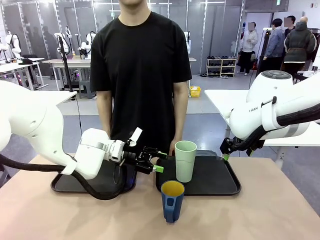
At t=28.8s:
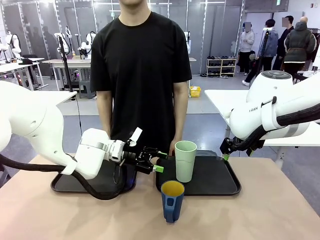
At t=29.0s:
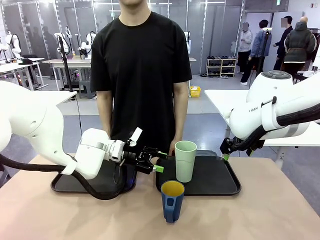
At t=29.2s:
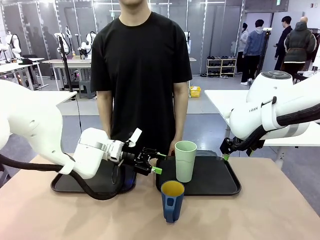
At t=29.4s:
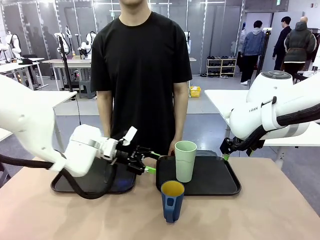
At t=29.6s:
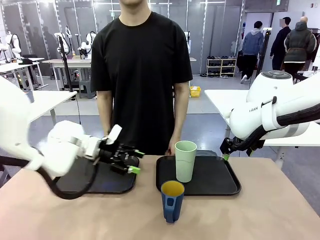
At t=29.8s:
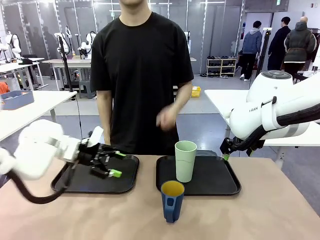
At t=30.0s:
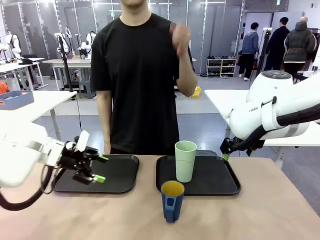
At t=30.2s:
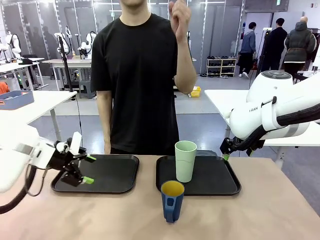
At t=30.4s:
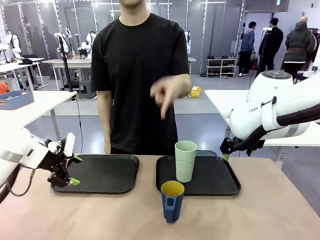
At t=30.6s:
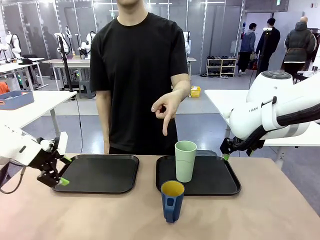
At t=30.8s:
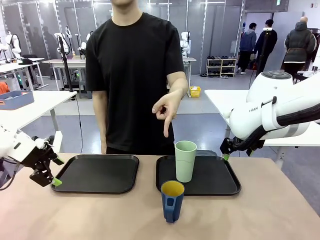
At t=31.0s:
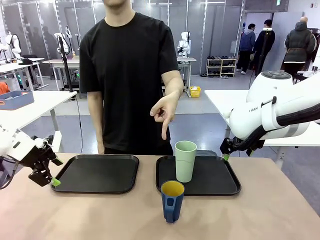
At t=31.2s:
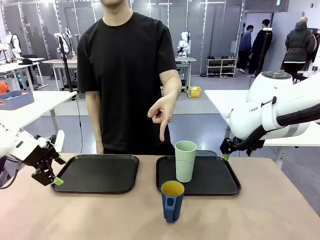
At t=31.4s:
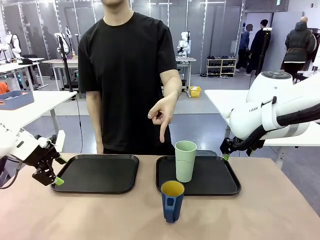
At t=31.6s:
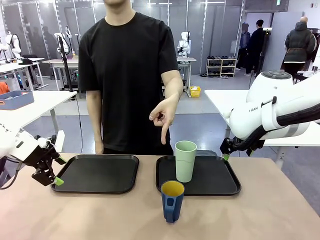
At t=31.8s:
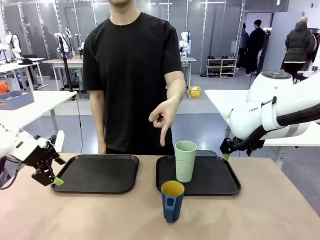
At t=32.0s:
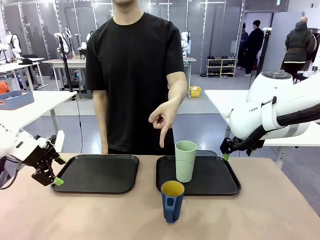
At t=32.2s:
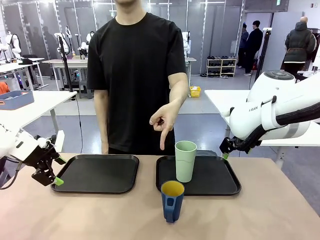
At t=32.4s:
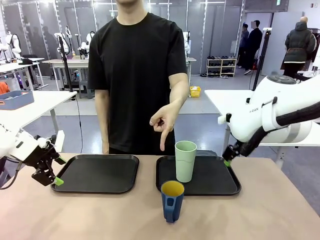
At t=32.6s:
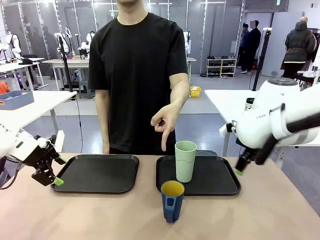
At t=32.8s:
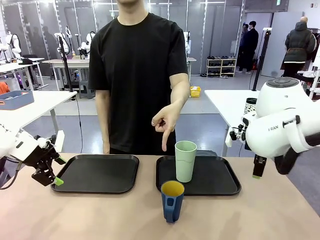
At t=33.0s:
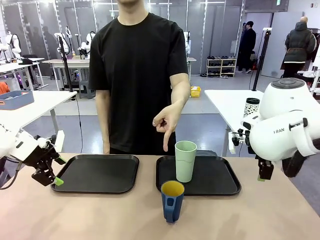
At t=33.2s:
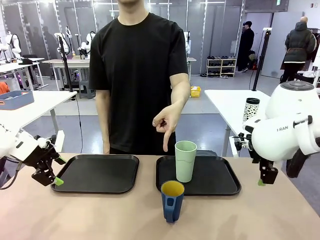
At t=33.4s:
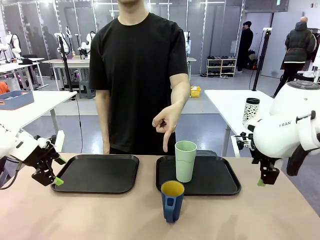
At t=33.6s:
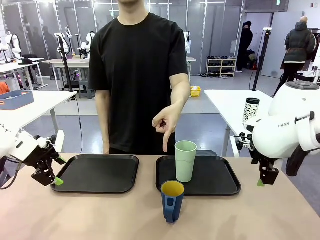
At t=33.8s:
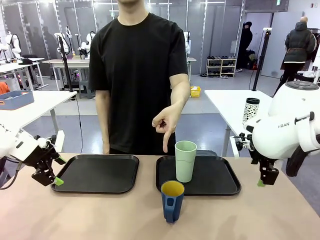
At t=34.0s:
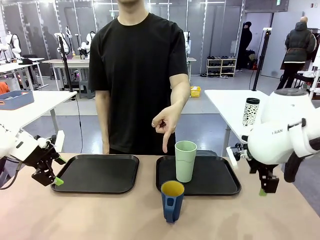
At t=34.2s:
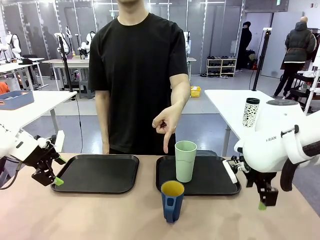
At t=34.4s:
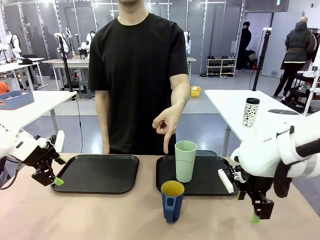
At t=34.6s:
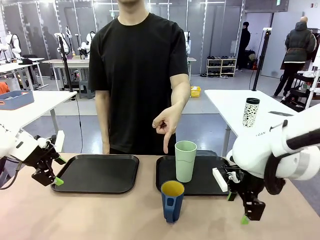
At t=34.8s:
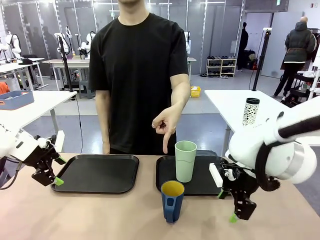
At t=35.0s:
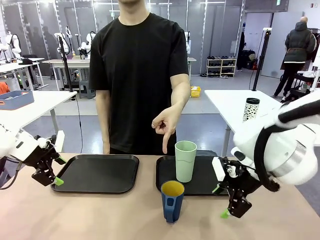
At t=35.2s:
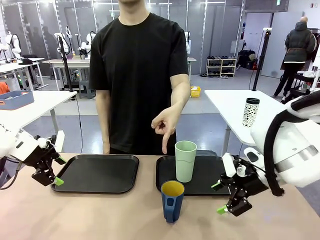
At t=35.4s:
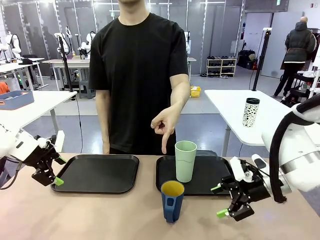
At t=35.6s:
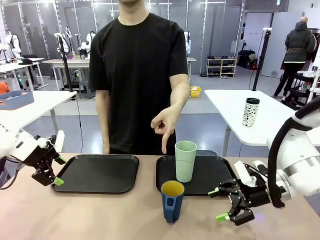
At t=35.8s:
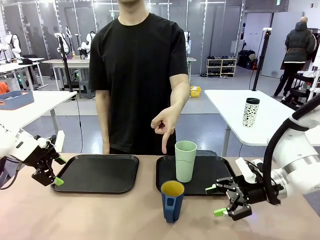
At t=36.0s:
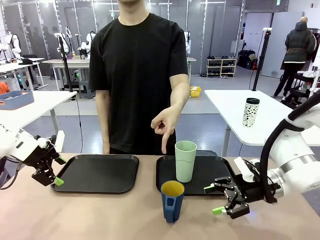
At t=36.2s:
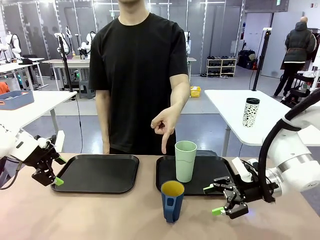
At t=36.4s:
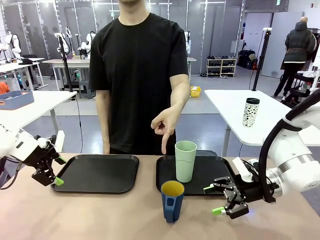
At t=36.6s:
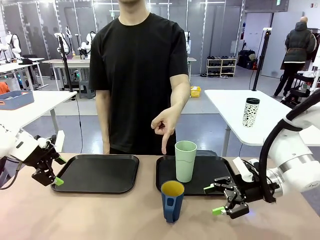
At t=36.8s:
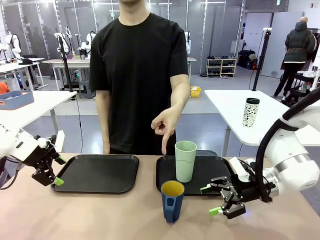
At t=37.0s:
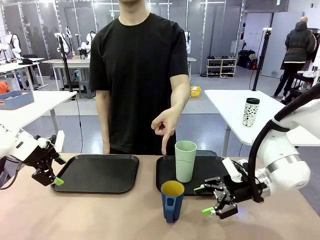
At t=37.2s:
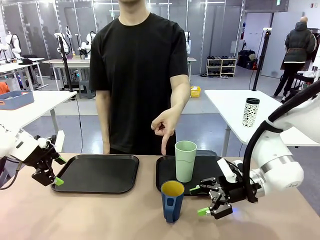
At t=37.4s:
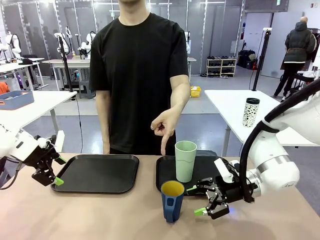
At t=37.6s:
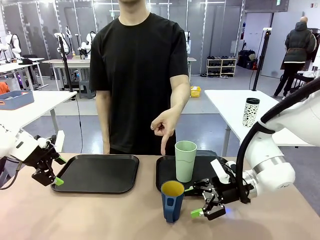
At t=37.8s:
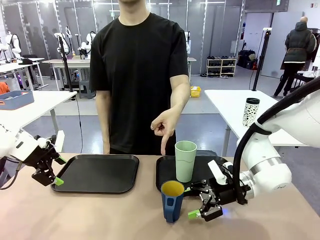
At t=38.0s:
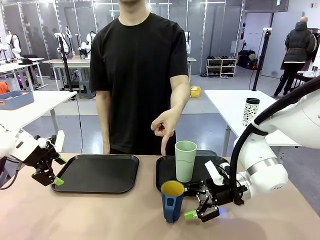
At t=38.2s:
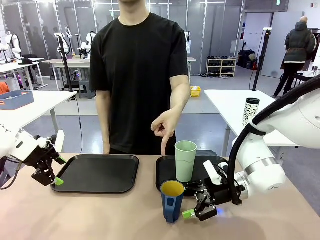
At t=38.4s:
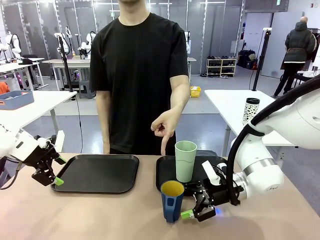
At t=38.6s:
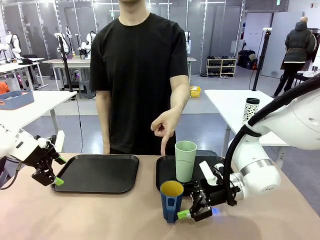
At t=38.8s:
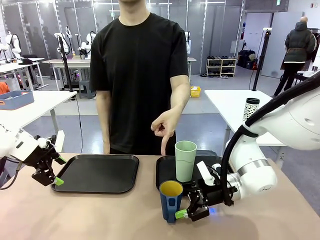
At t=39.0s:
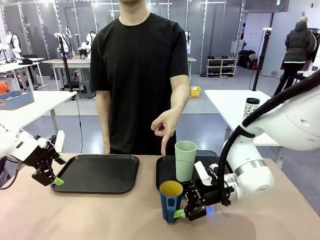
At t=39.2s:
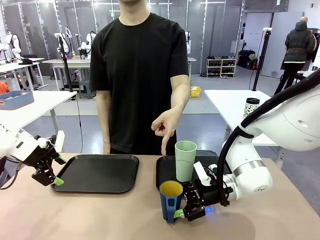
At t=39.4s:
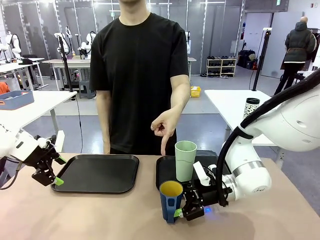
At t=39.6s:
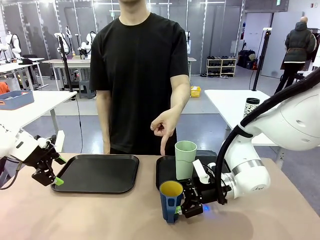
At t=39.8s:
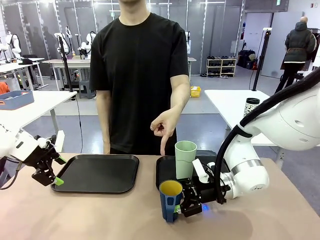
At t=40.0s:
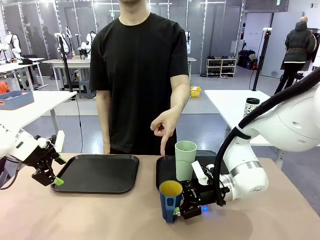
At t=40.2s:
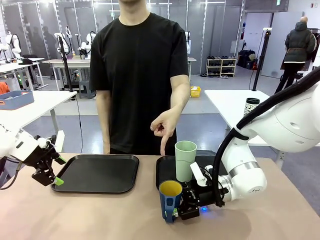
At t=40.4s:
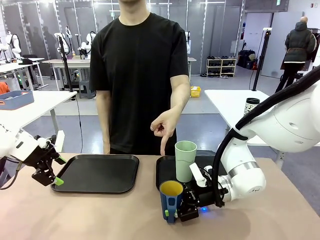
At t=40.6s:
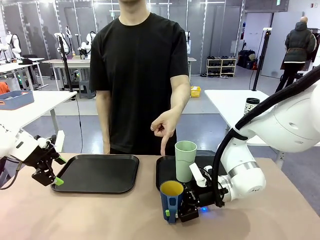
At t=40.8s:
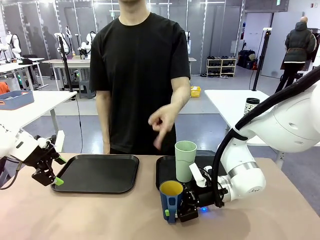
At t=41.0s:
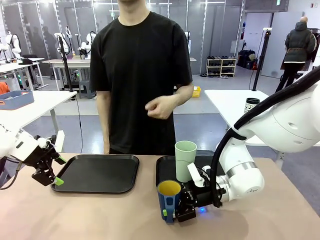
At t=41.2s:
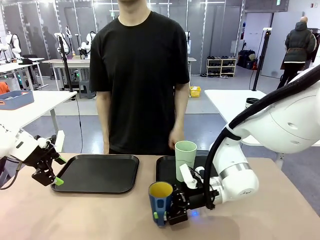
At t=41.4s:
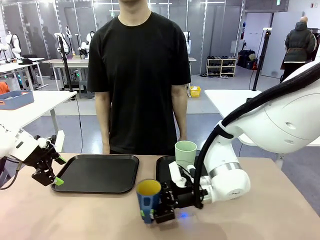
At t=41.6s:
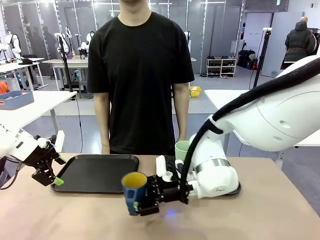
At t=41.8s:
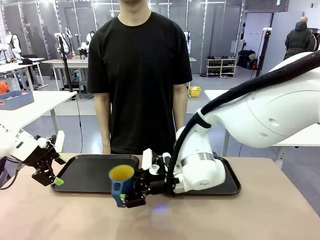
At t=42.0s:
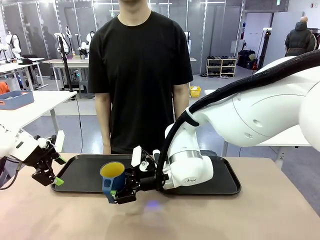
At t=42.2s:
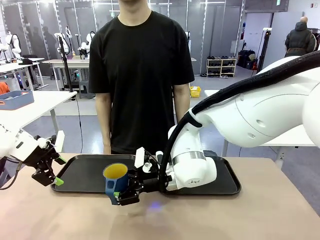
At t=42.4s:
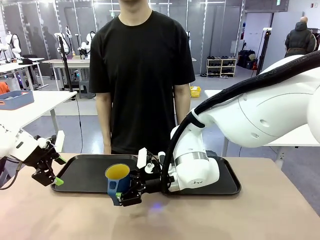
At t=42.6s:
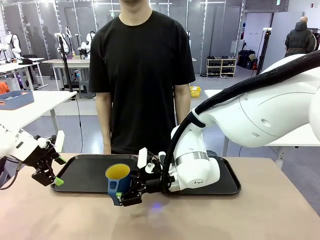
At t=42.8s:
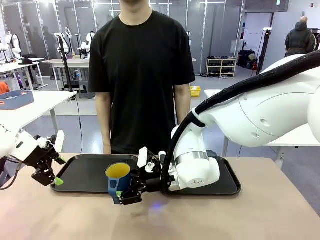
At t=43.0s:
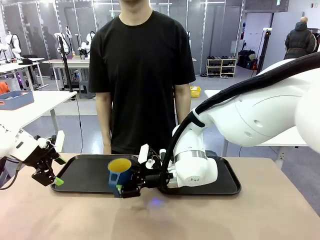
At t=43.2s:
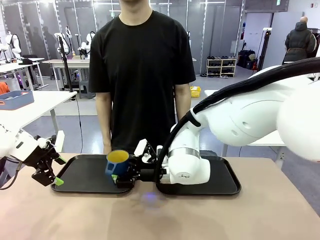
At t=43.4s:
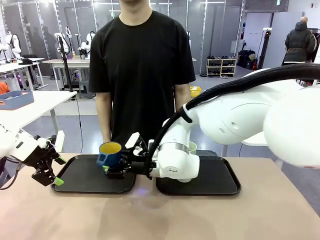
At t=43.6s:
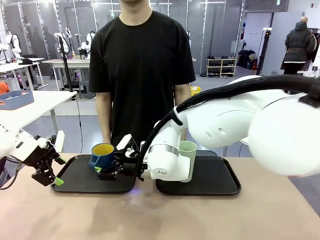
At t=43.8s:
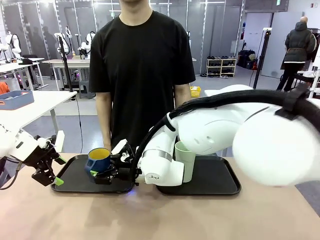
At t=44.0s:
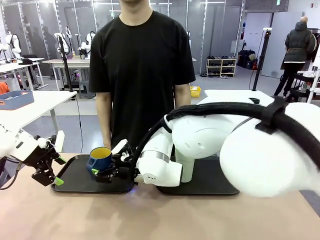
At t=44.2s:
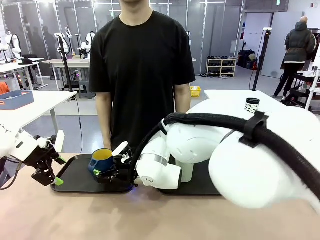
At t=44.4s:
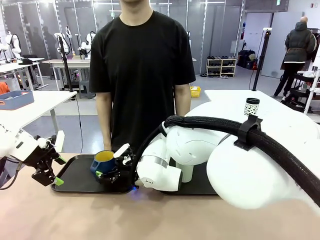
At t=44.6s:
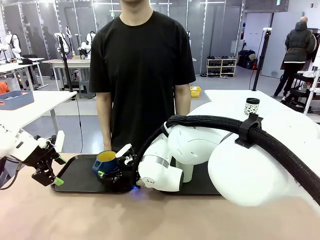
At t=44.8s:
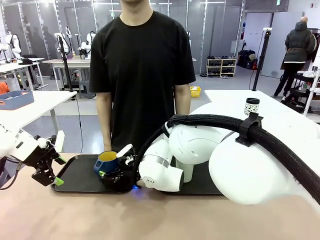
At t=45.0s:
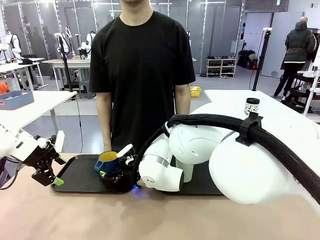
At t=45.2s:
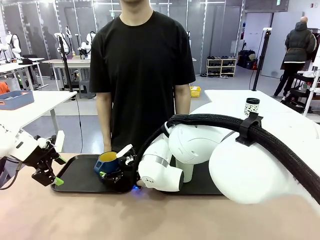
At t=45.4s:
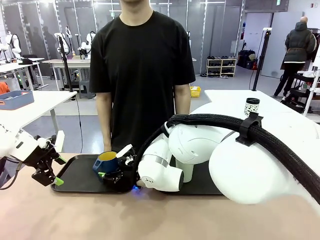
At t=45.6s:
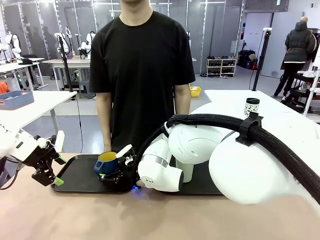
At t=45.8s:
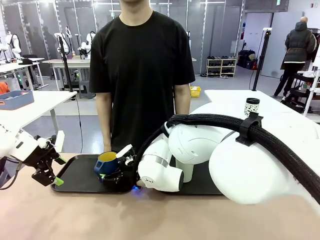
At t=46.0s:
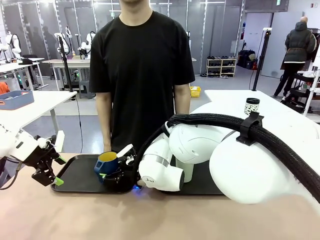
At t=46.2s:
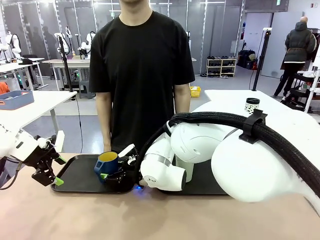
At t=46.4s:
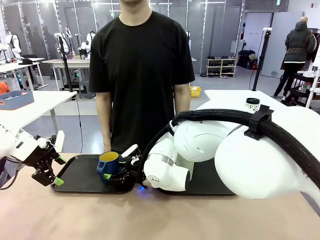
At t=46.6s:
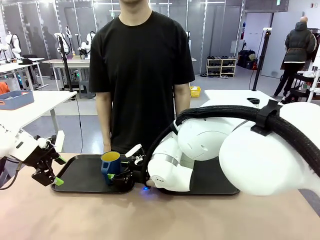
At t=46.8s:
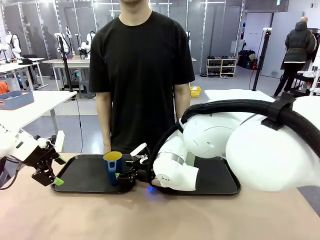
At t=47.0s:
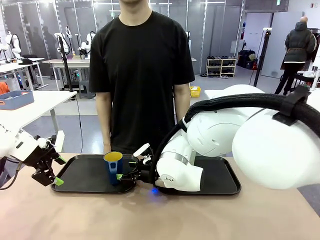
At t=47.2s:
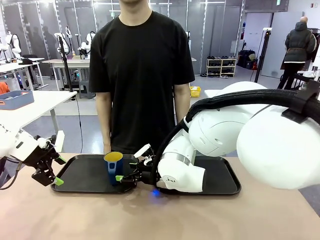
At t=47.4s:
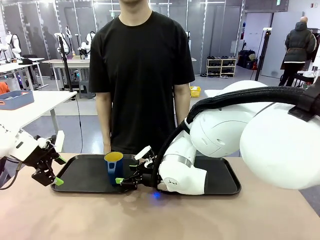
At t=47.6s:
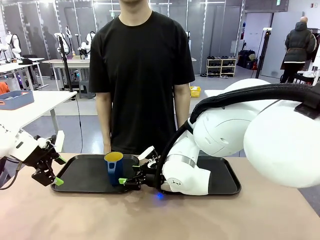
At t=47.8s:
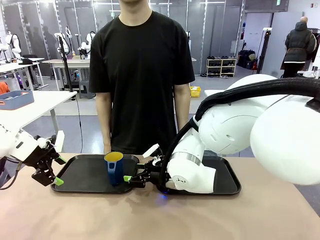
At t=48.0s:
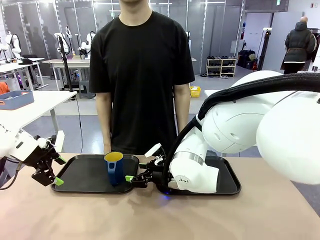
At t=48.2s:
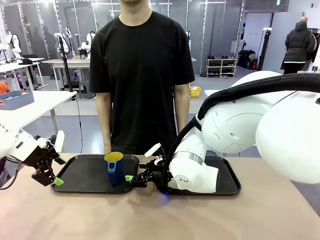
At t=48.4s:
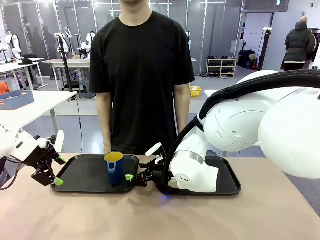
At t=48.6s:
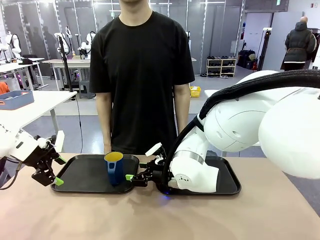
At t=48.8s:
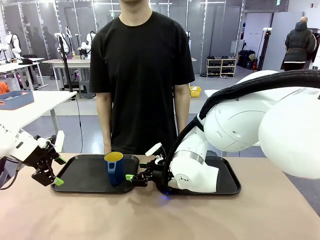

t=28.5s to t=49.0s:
Task: Sort and store the cups by type.
Robot: Pick up the Handle plastic cup and place it into the empty Flat Tray.
Person: Points to the cup with a handle.
